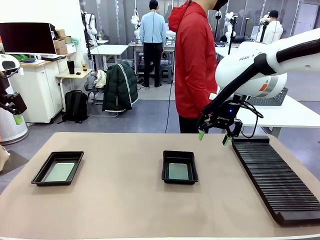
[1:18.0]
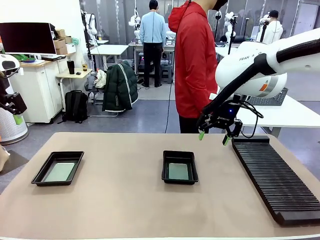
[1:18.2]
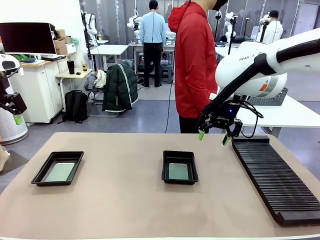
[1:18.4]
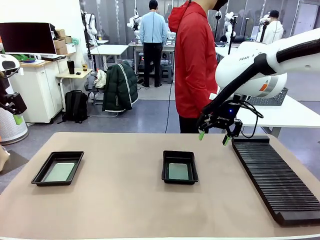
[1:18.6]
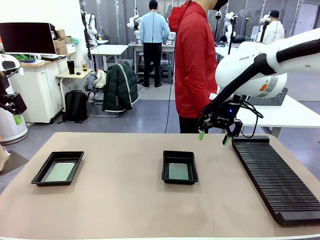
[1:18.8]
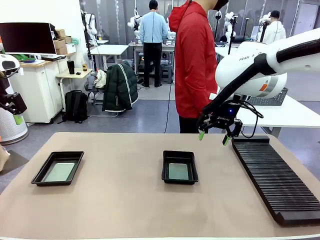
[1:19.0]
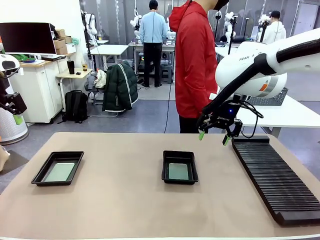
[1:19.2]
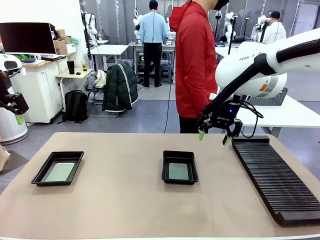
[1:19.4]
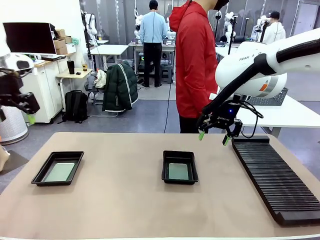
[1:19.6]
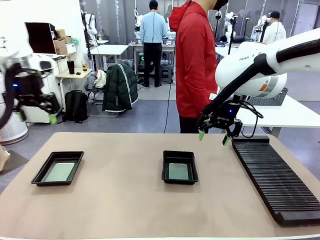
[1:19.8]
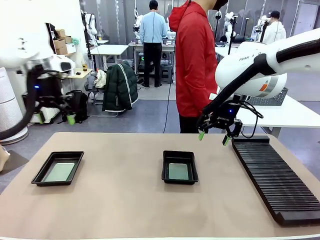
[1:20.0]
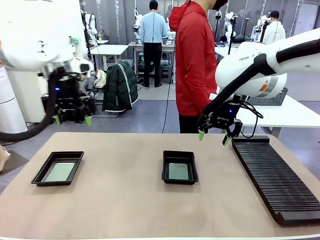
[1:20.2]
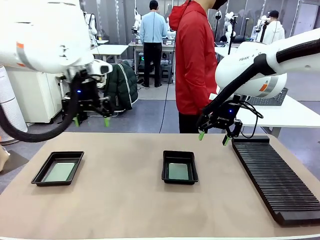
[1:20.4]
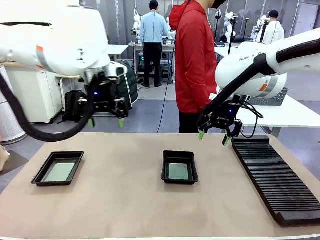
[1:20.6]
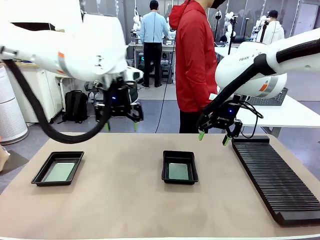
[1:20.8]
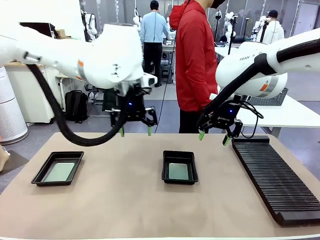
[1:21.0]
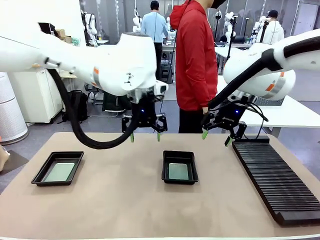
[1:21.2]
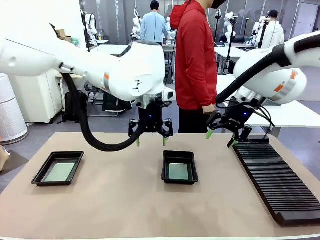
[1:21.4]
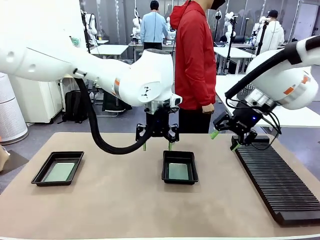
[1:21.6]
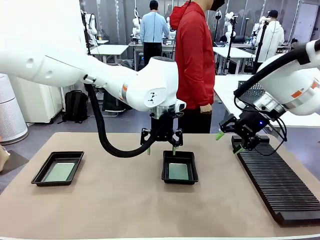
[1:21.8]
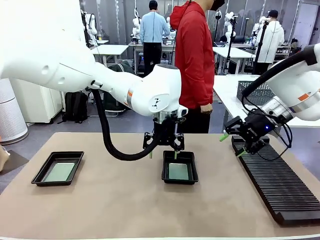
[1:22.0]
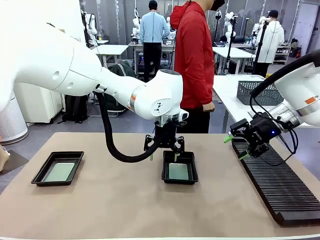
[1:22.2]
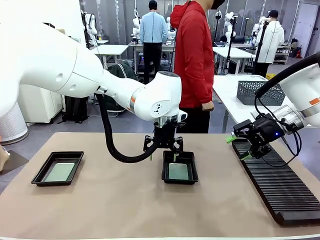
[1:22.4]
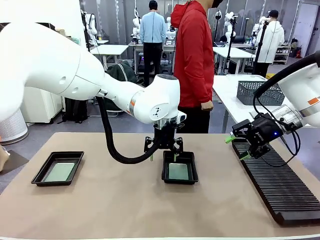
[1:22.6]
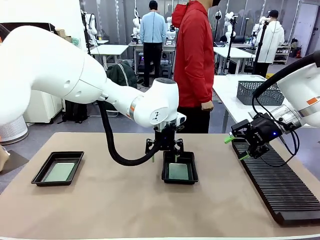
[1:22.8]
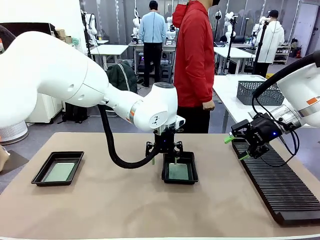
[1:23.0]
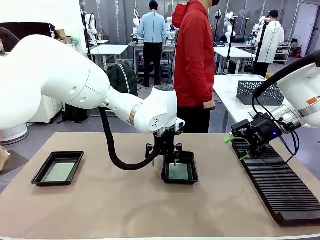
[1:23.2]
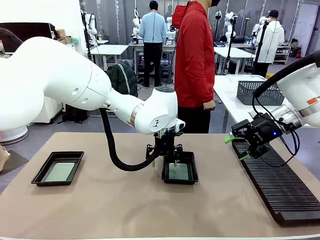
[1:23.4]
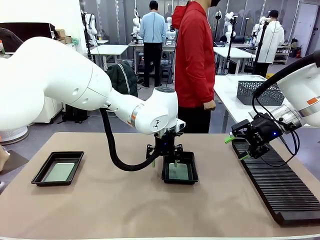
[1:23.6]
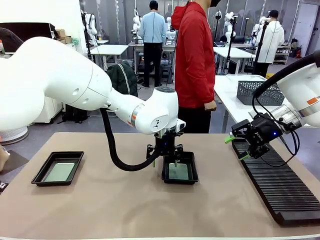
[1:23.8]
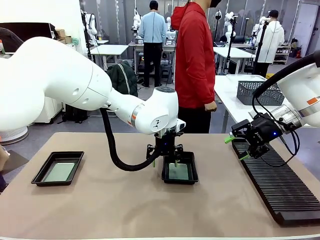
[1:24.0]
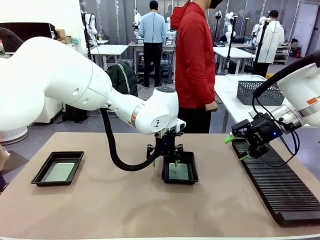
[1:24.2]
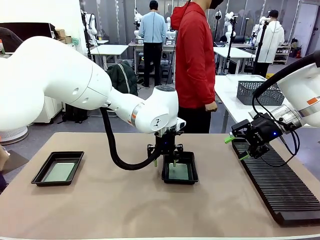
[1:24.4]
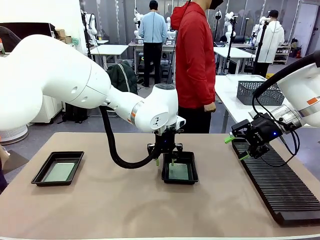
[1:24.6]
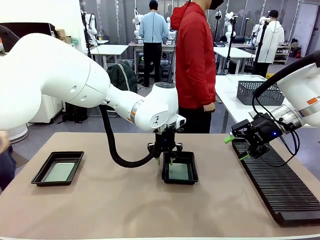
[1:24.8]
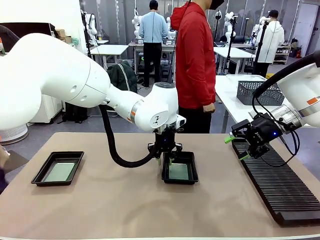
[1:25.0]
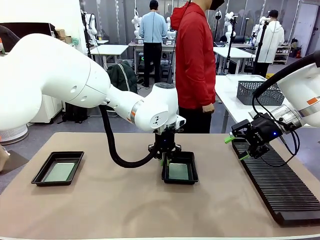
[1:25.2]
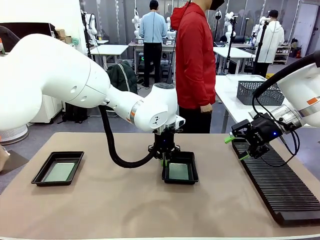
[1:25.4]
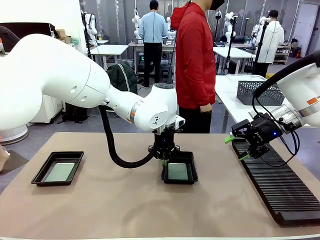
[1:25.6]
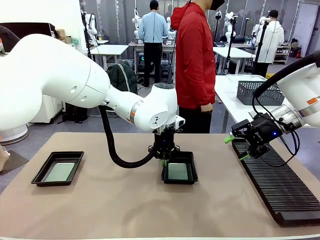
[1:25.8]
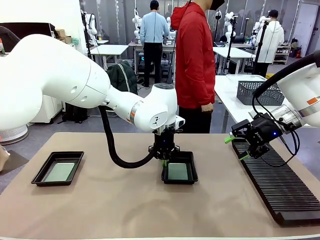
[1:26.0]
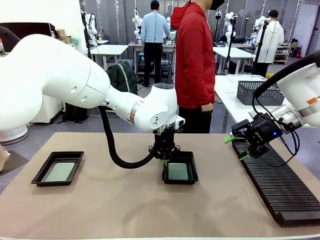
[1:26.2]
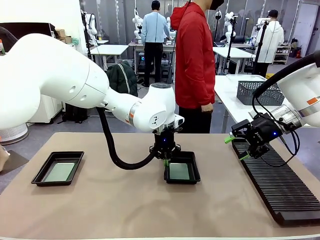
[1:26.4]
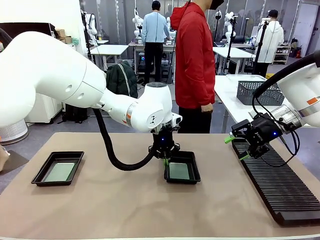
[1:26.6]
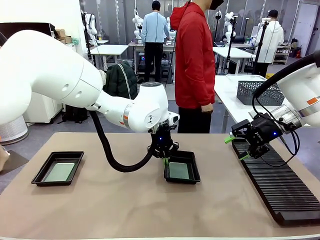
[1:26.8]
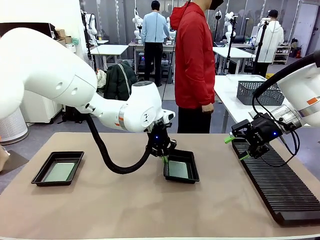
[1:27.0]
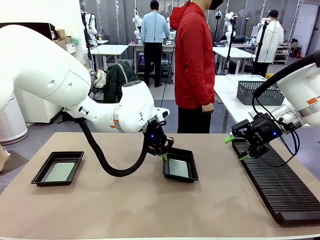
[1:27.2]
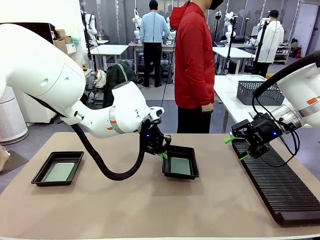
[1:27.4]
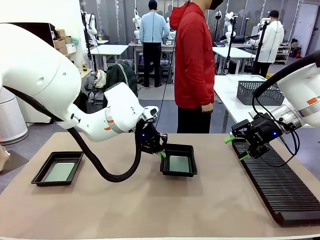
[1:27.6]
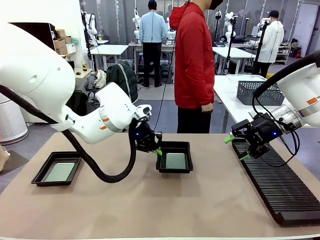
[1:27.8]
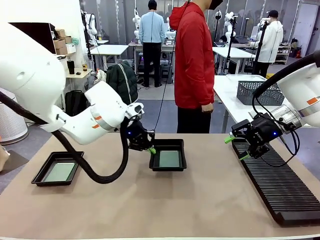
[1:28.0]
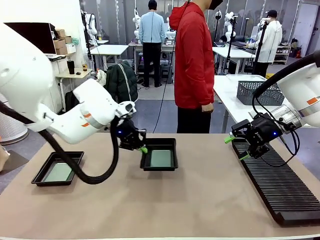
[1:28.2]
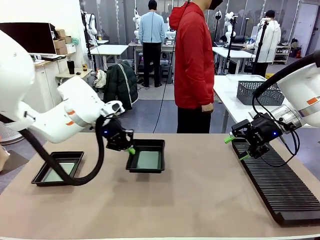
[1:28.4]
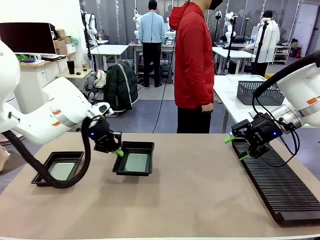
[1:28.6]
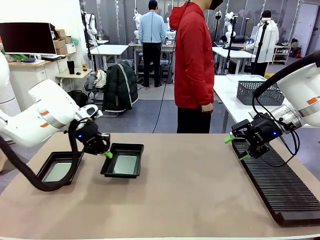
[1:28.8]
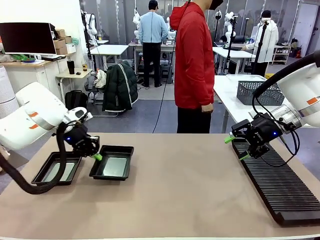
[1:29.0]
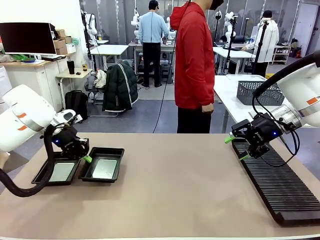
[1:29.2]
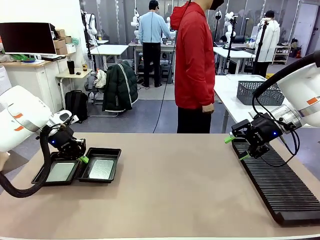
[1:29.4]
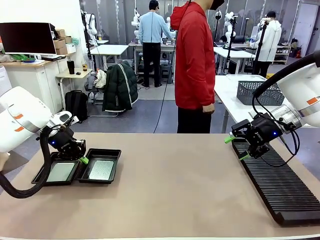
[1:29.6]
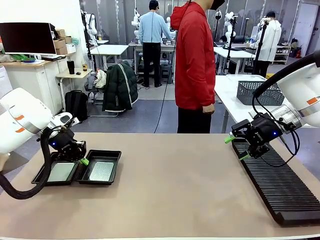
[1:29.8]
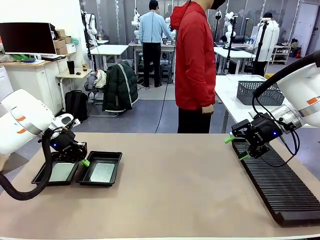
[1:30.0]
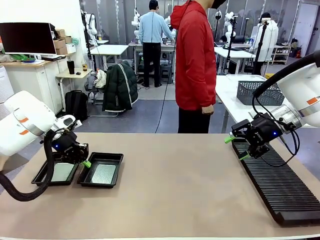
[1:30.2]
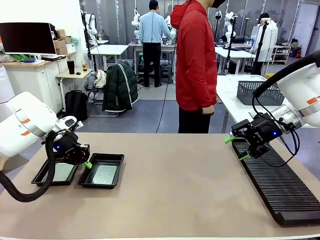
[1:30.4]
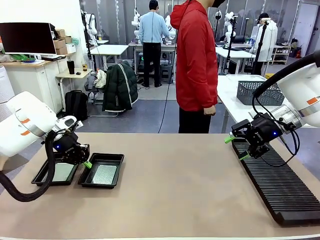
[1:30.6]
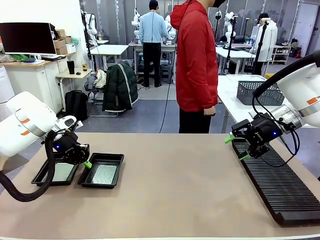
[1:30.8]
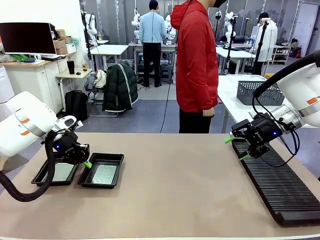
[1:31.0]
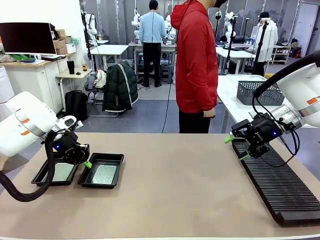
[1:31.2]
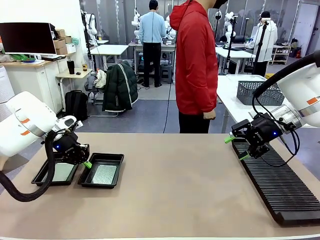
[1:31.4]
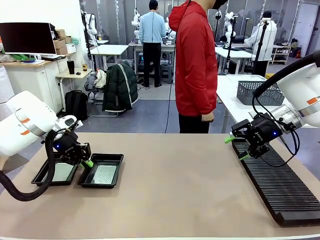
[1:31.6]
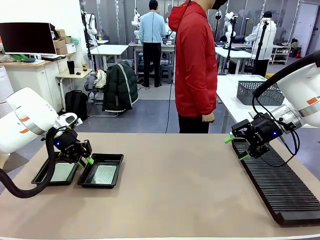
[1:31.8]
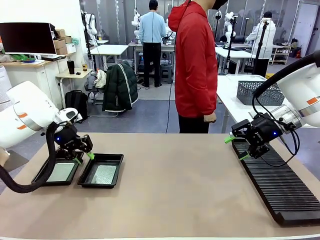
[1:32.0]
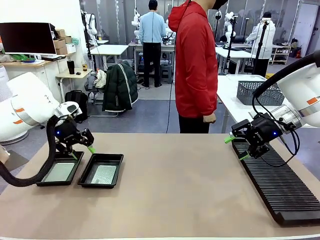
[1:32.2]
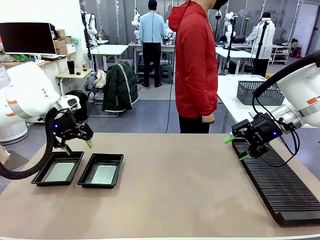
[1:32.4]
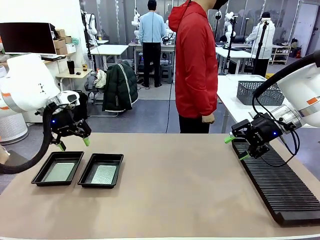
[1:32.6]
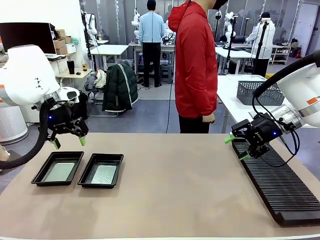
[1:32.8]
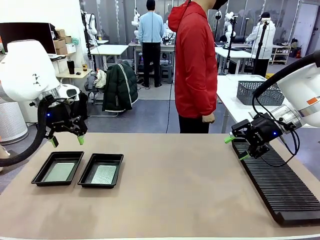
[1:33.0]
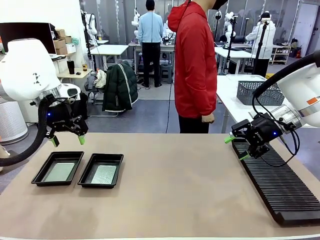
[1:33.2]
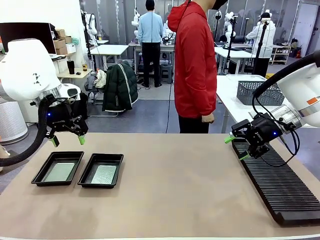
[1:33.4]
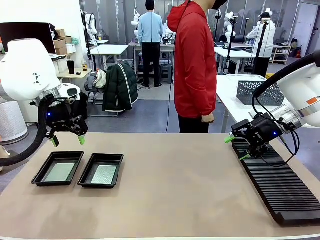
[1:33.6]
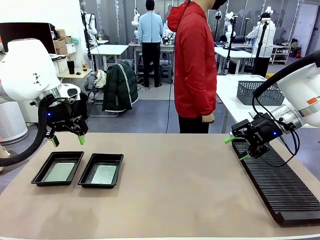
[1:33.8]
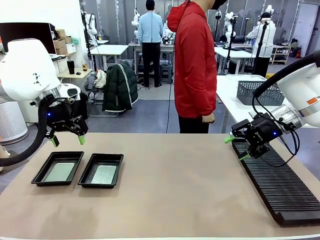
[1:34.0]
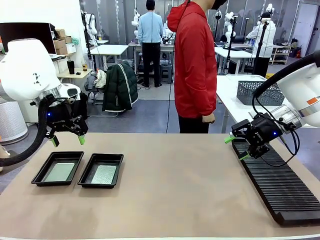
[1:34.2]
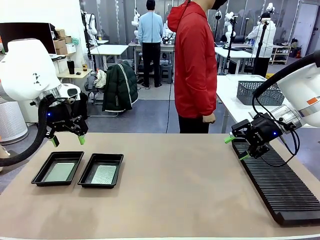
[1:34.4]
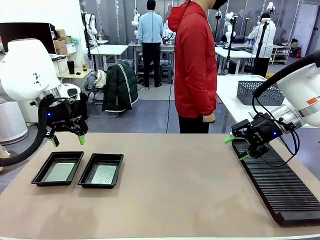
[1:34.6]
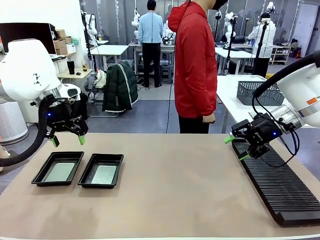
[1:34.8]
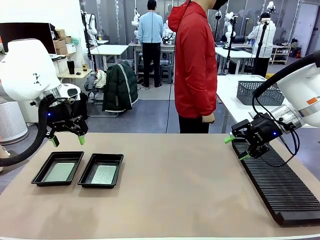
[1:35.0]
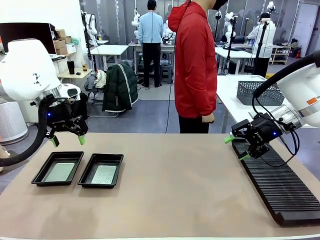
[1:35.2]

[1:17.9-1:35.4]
Task: Inspect and transfer BCBs to ESD trays.
Robot: Pick up the ESD tray and place it on the left side of the table.
